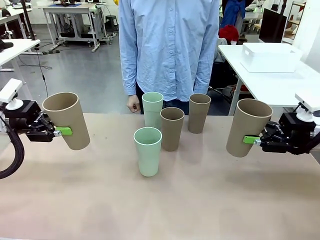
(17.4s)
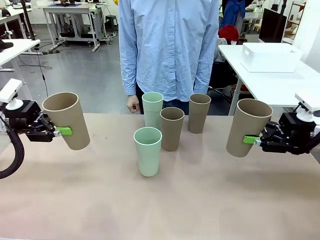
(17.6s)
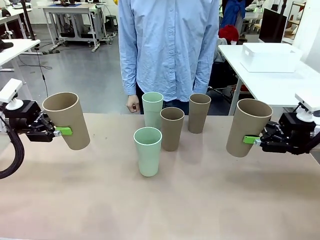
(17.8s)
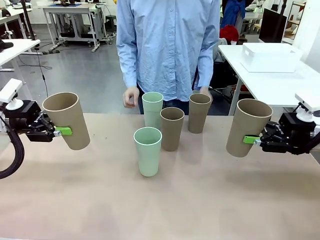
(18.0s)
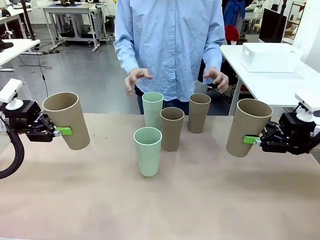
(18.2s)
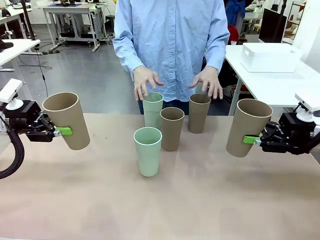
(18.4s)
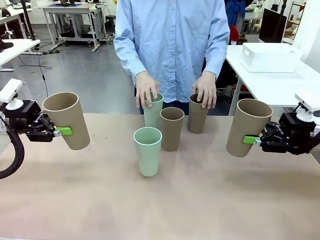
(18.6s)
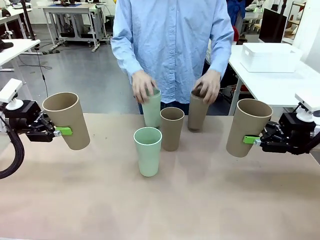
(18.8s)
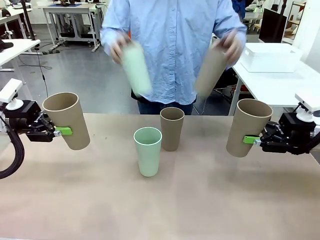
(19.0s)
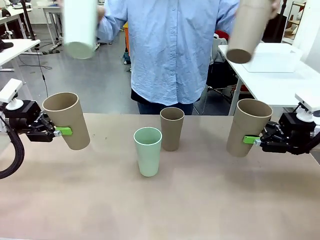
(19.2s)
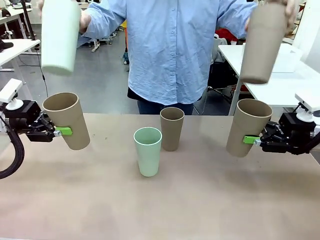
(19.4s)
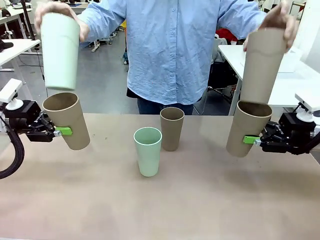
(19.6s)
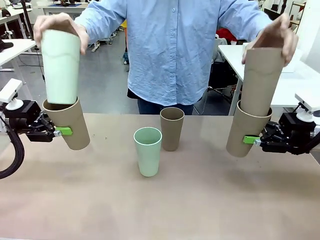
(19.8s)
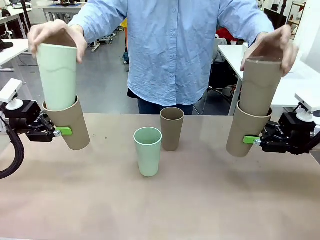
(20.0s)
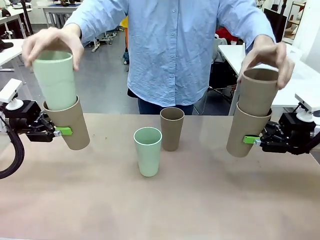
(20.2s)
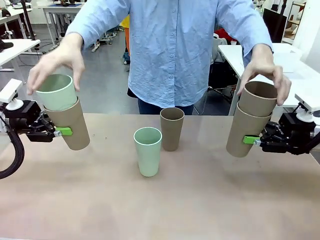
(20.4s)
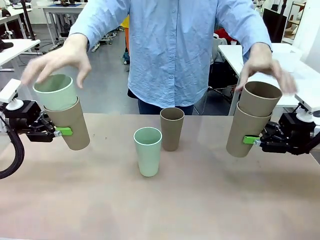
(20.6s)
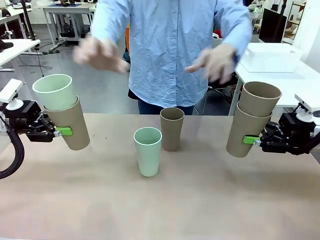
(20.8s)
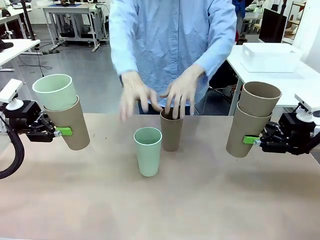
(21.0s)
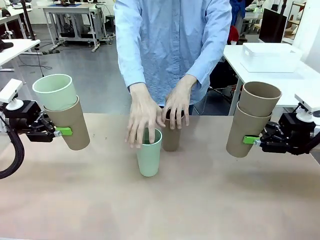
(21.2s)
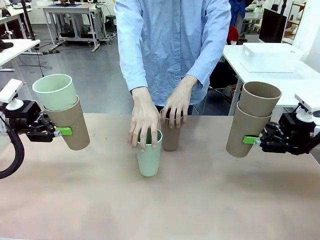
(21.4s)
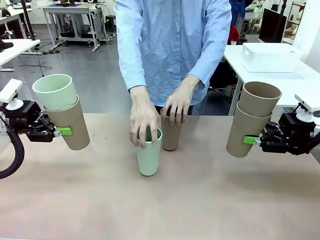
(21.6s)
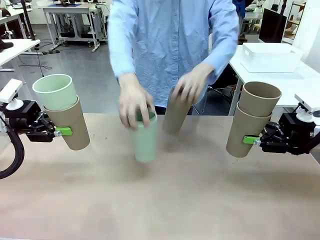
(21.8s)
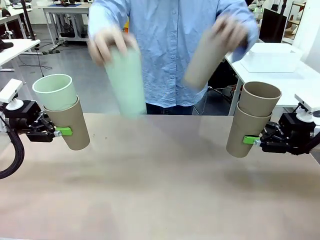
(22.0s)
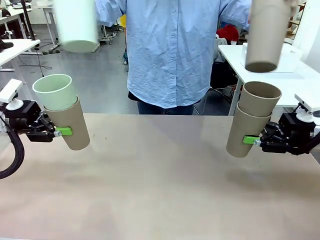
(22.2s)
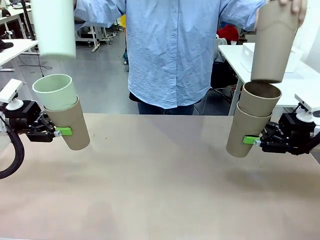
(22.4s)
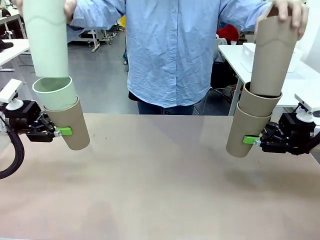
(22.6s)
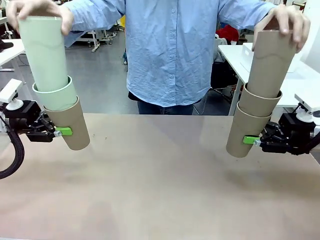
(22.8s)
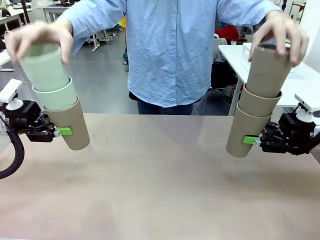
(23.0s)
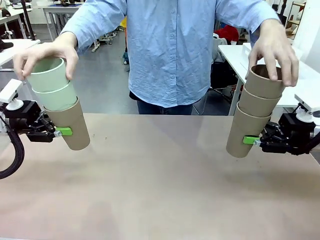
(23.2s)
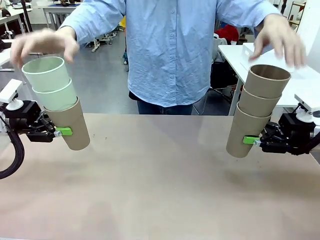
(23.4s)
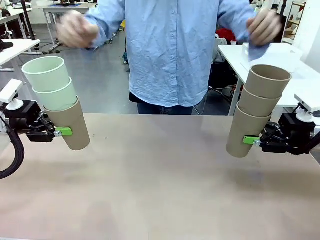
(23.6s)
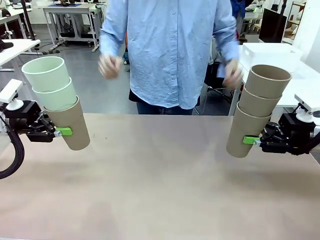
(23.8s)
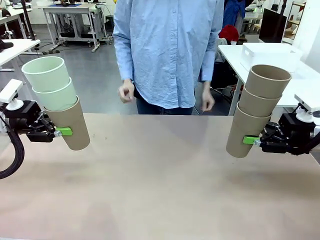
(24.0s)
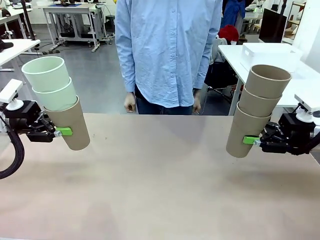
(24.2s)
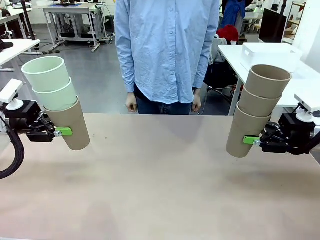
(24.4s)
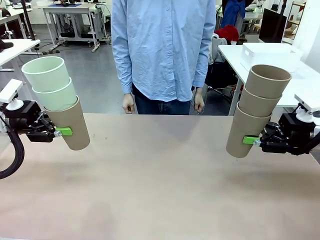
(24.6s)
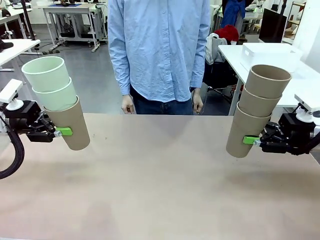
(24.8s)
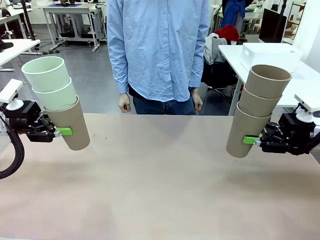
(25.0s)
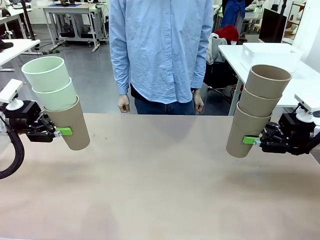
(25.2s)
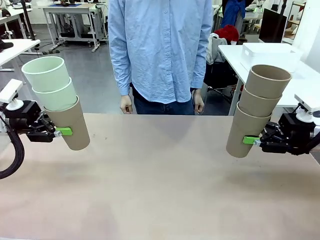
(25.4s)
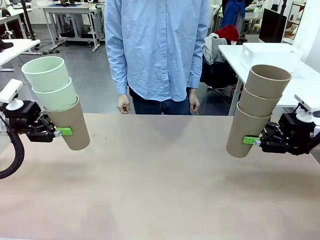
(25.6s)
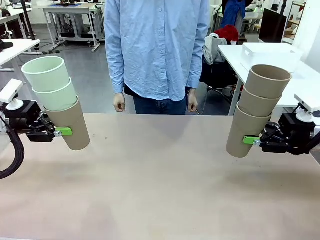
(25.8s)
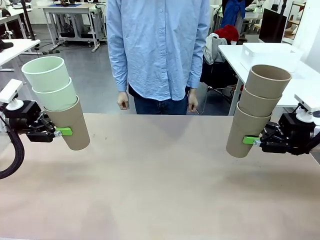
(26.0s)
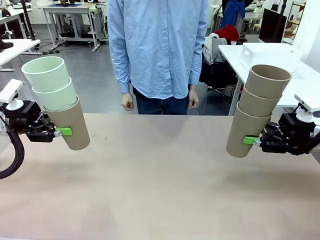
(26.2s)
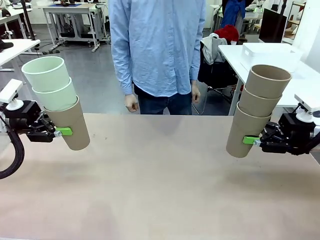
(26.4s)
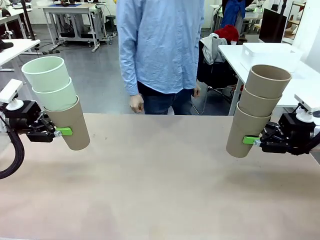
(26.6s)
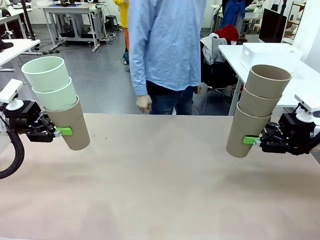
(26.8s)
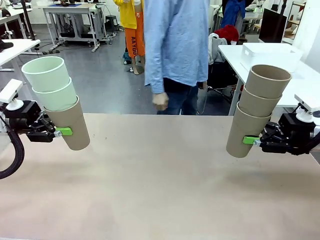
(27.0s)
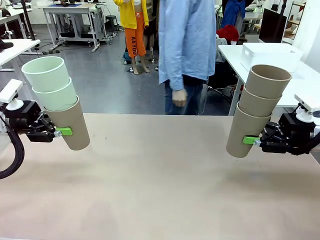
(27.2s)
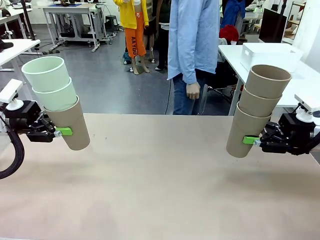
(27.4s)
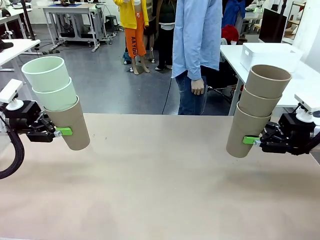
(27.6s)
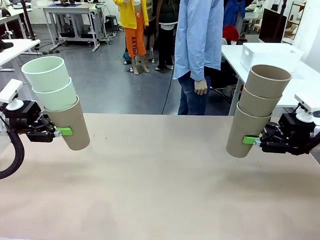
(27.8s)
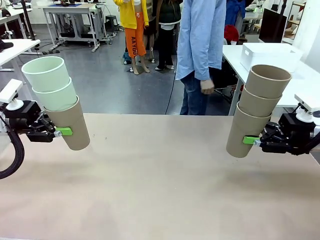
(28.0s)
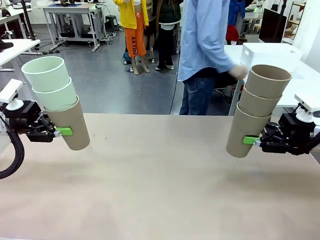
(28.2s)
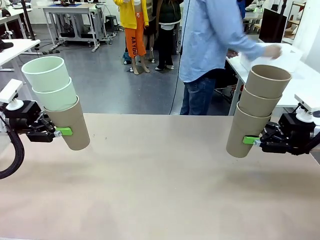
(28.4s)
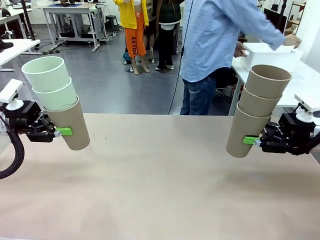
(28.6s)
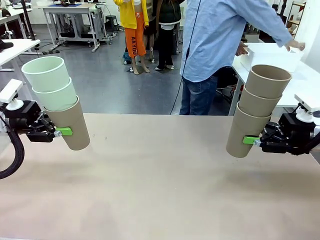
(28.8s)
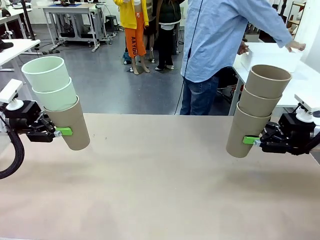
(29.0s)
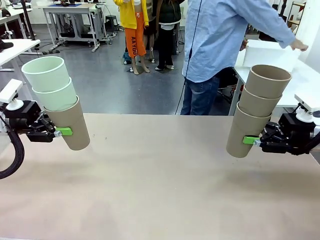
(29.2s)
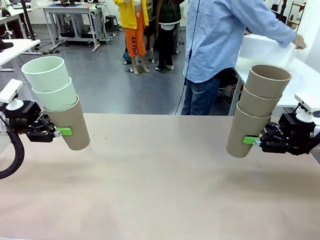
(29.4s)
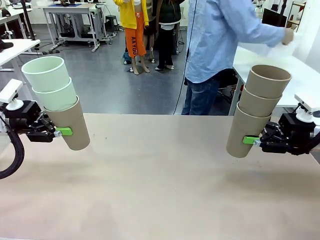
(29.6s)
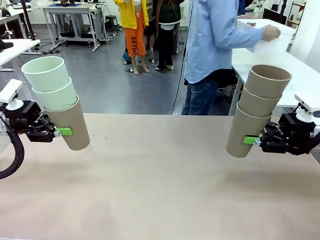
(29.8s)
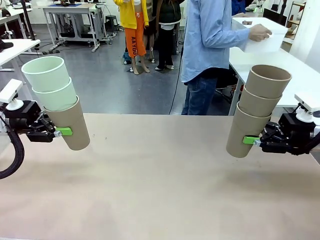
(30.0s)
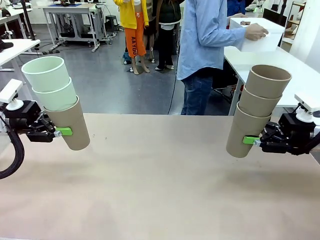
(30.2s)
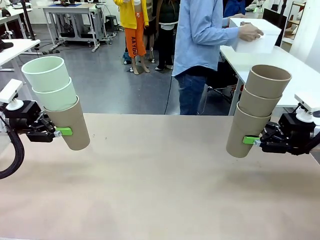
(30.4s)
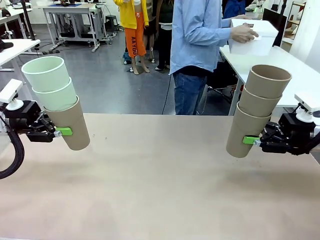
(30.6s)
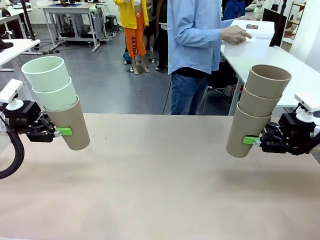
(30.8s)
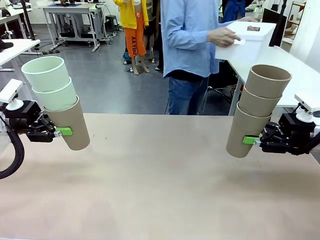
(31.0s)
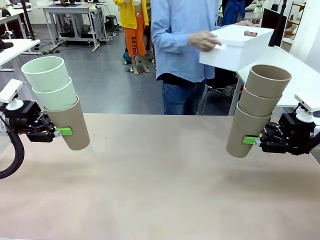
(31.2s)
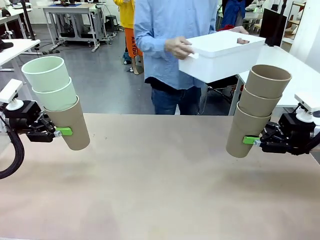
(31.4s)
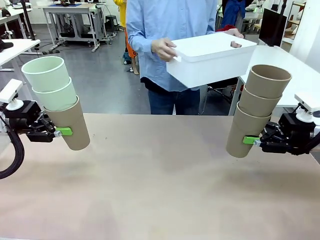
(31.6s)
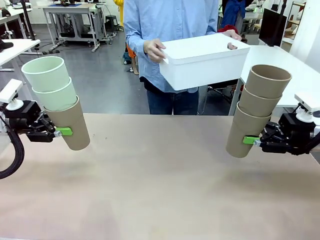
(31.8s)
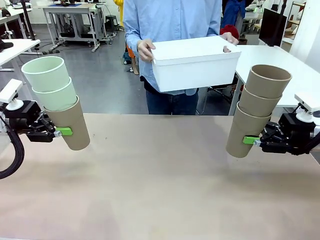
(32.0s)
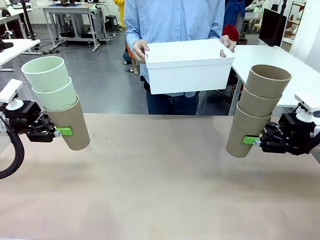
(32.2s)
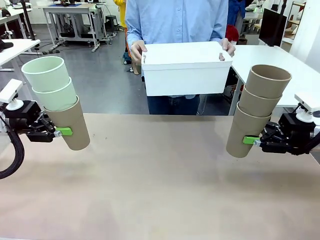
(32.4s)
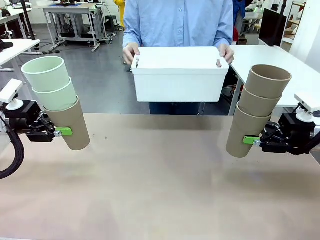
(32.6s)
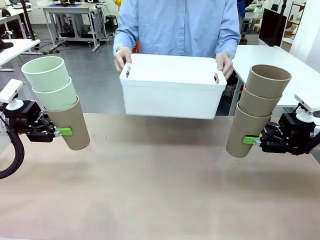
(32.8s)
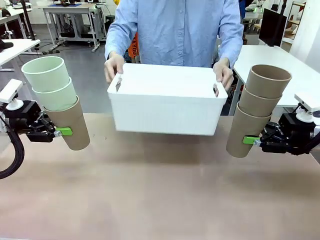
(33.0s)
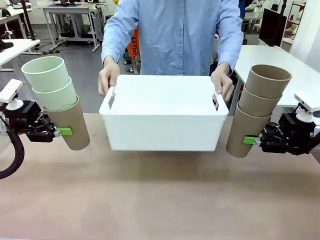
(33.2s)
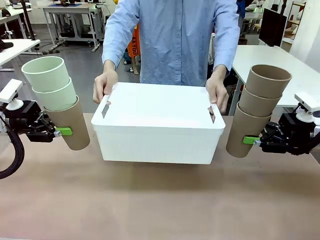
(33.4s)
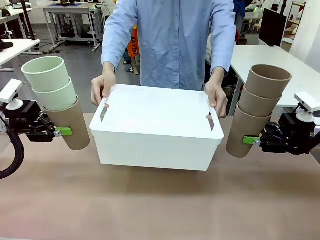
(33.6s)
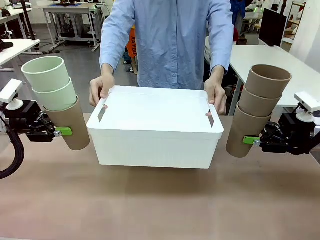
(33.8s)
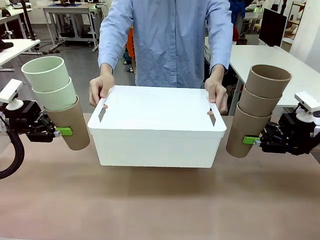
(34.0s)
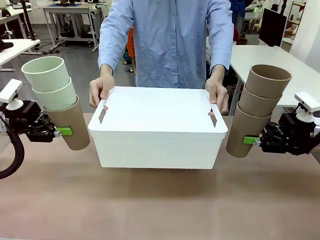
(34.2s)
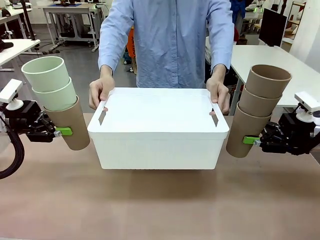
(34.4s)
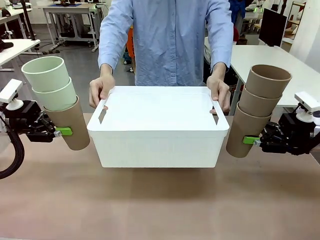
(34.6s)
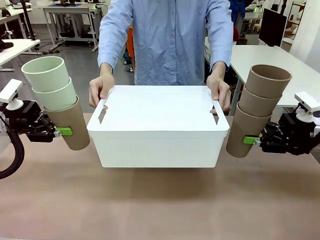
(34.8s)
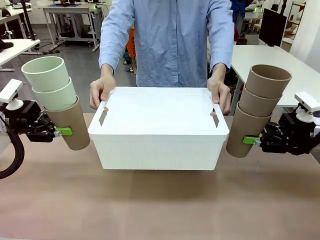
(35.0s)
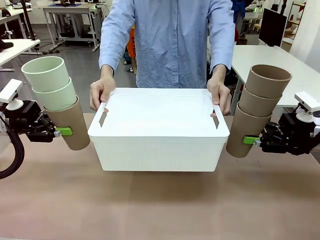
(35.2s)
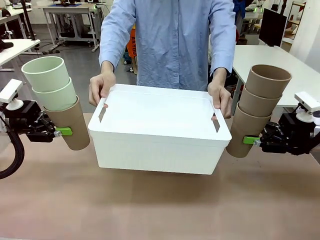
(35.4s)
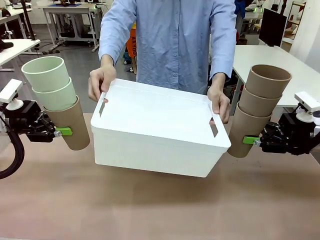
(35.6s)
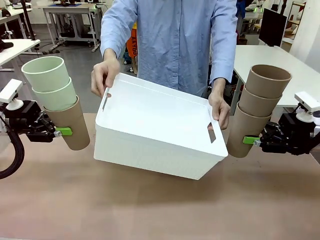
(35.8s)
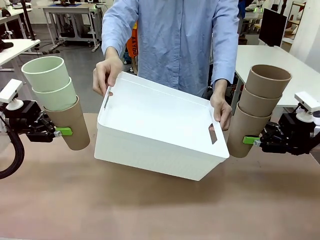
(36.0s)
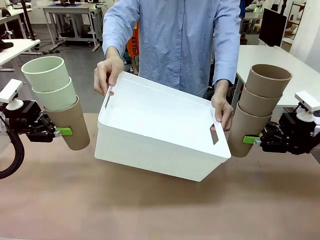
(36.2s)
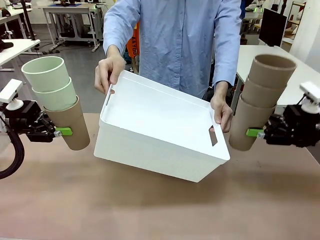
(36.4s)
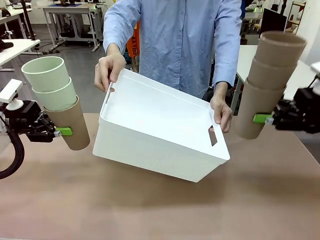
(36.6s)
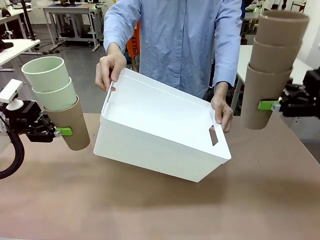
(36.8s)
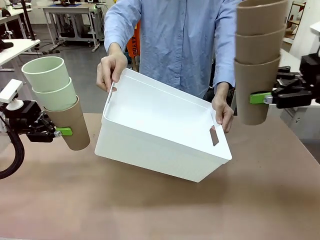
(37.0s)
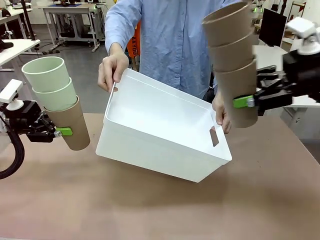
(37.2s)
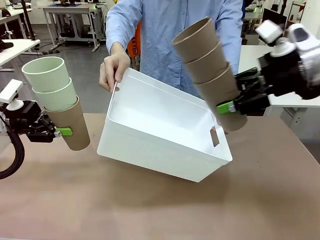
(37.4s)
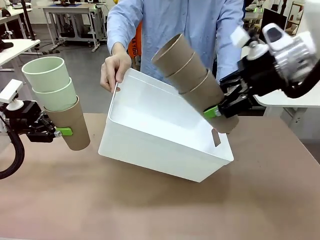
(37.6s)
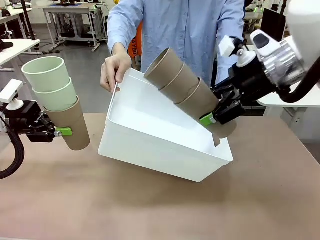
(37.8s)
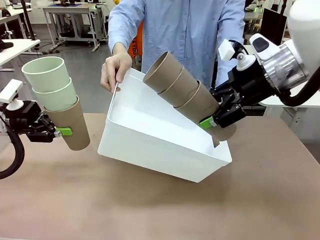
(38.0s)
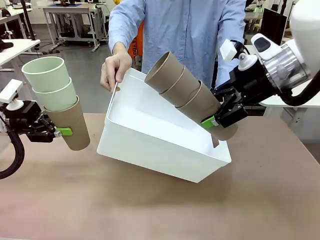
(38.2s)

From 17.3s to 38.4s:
Task: Stack the cups and store them in the basket.
Robot: Place the stack of Reusable plastic cups into the Pantry Basket.
Person: Pick up the basket from the Human Table, bring it to the front of the robot, and present it.
